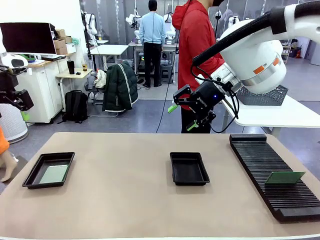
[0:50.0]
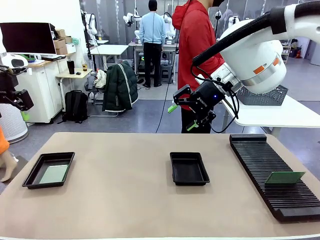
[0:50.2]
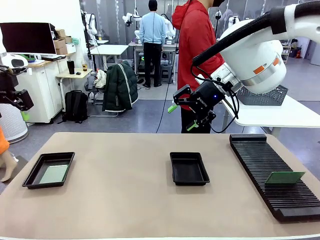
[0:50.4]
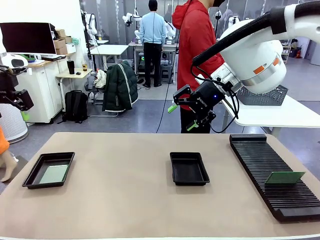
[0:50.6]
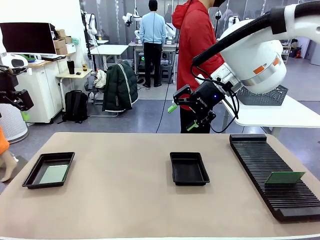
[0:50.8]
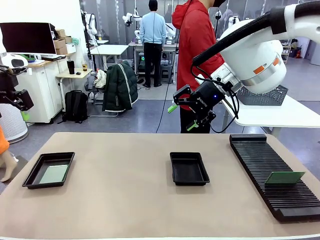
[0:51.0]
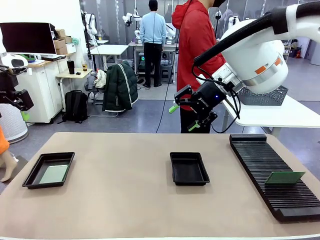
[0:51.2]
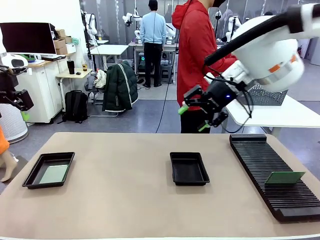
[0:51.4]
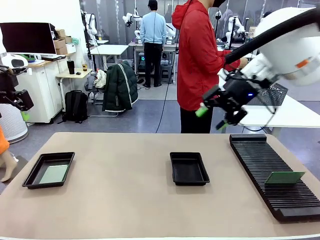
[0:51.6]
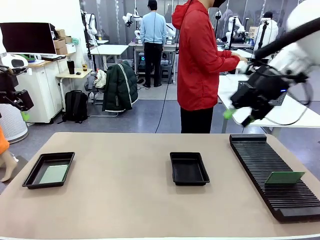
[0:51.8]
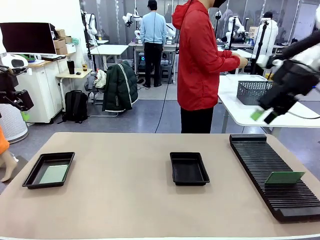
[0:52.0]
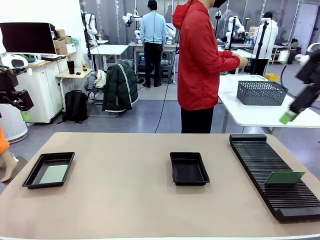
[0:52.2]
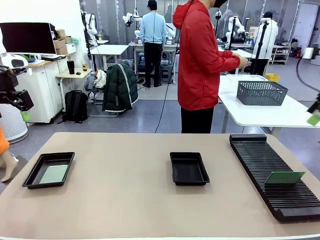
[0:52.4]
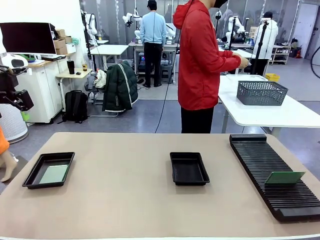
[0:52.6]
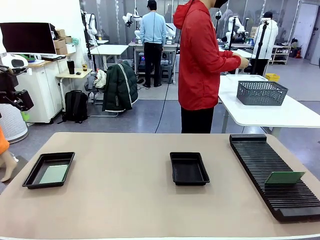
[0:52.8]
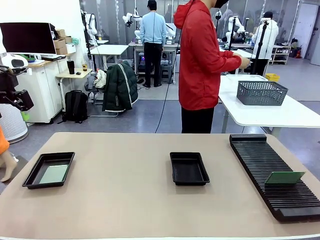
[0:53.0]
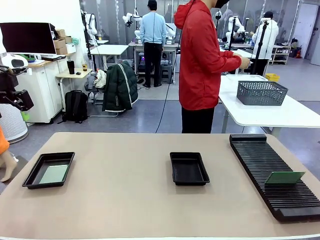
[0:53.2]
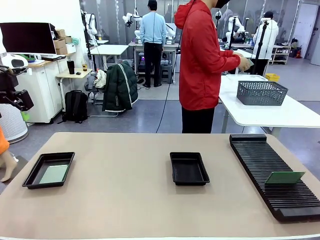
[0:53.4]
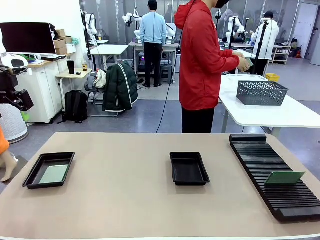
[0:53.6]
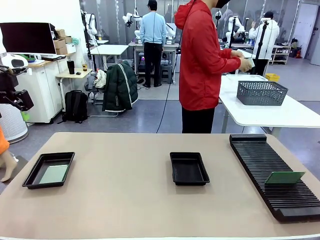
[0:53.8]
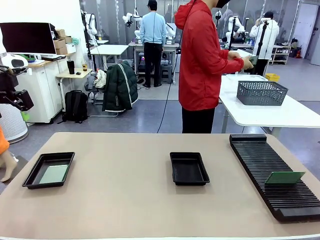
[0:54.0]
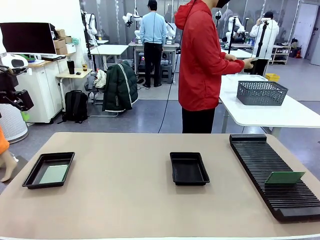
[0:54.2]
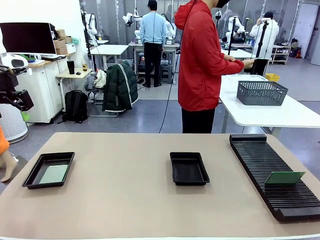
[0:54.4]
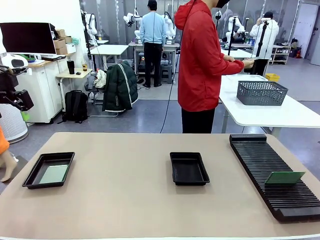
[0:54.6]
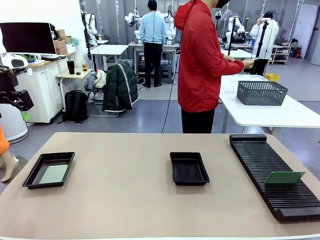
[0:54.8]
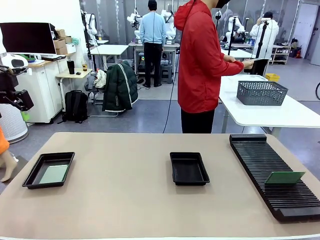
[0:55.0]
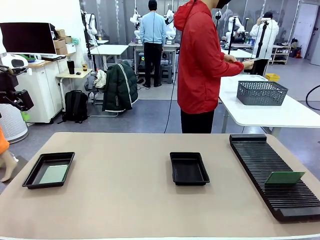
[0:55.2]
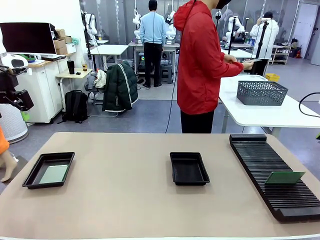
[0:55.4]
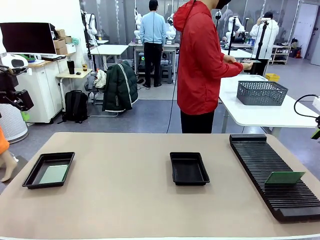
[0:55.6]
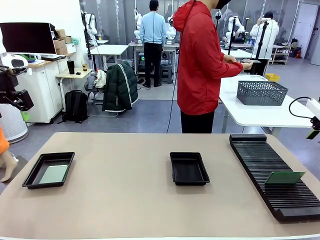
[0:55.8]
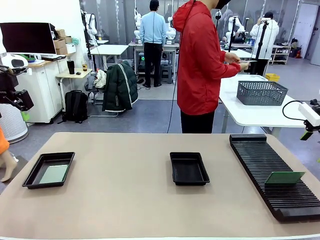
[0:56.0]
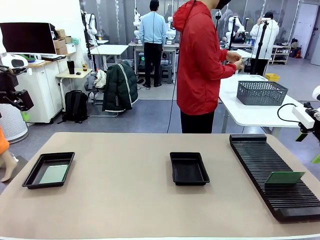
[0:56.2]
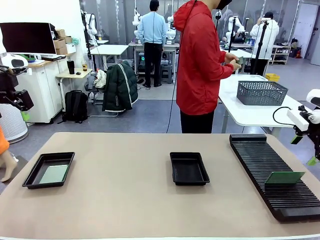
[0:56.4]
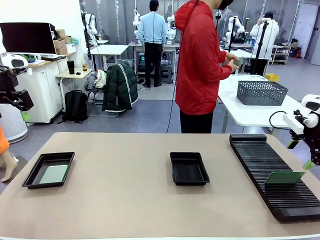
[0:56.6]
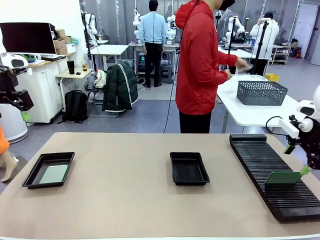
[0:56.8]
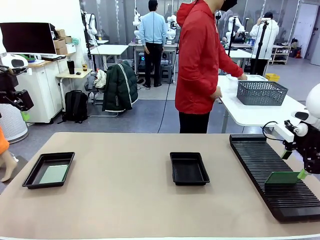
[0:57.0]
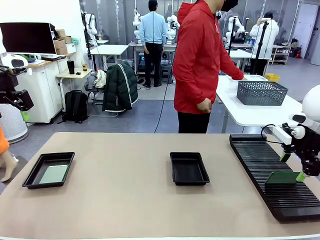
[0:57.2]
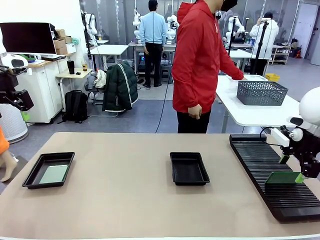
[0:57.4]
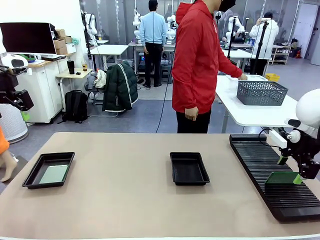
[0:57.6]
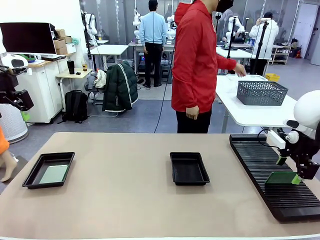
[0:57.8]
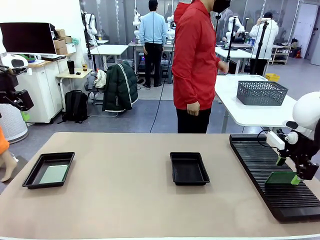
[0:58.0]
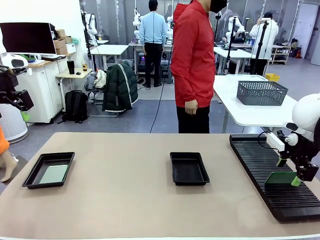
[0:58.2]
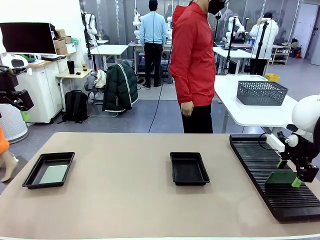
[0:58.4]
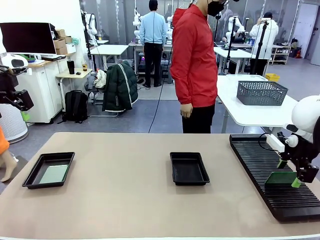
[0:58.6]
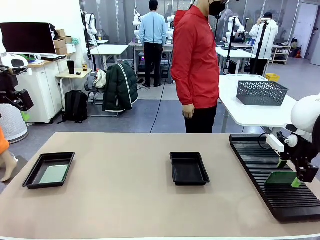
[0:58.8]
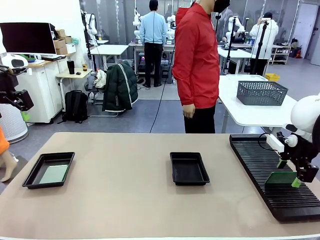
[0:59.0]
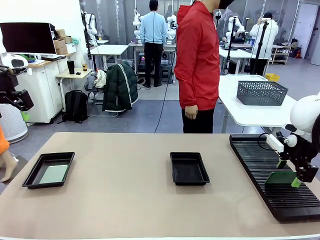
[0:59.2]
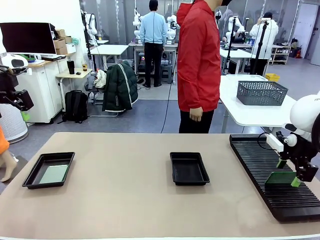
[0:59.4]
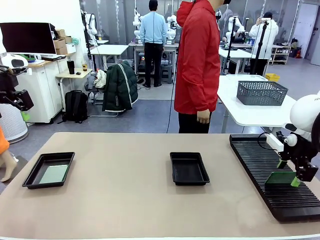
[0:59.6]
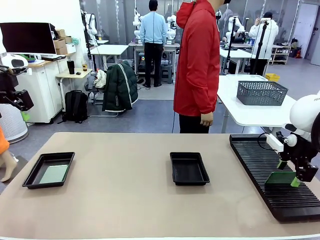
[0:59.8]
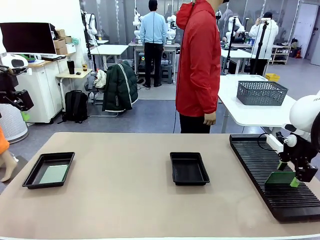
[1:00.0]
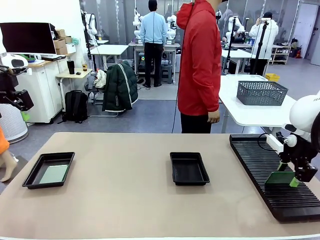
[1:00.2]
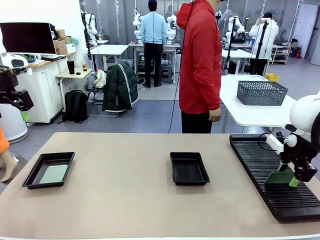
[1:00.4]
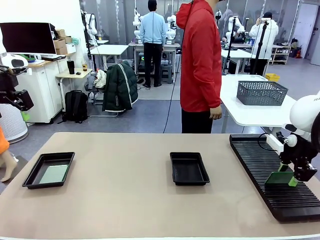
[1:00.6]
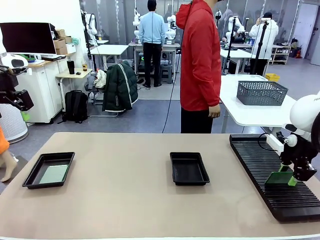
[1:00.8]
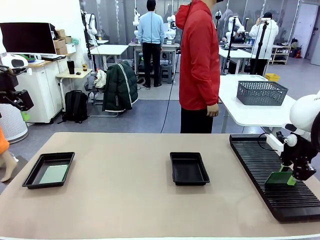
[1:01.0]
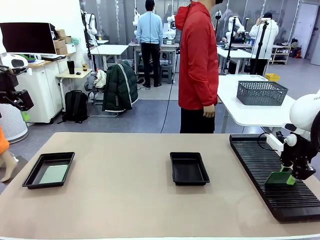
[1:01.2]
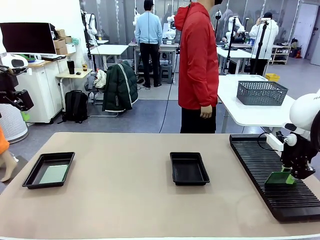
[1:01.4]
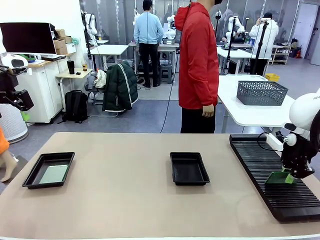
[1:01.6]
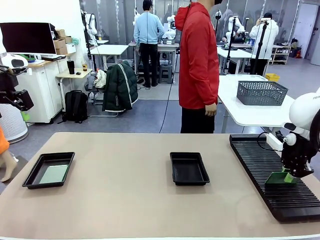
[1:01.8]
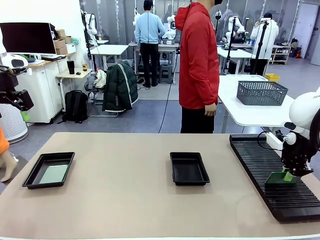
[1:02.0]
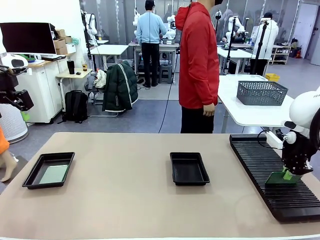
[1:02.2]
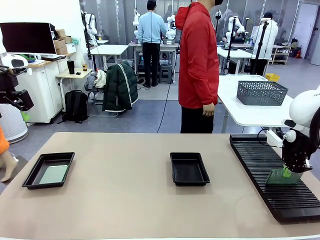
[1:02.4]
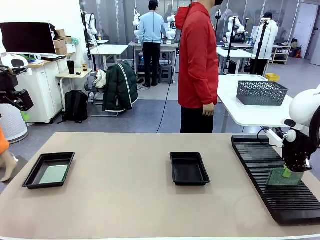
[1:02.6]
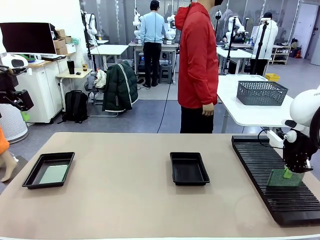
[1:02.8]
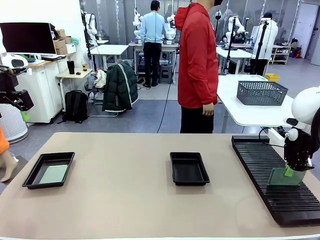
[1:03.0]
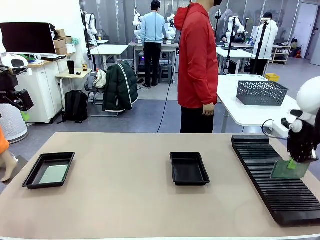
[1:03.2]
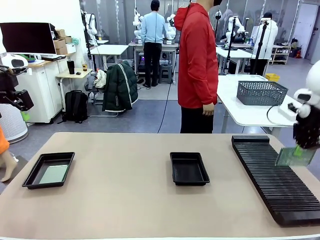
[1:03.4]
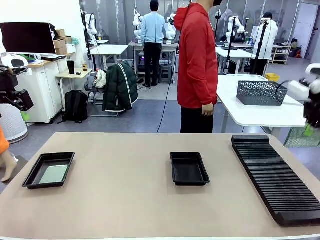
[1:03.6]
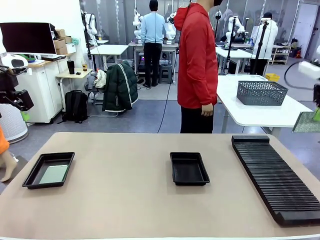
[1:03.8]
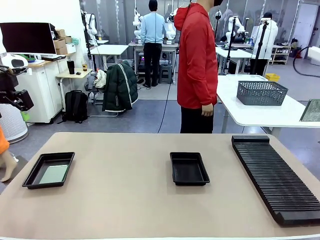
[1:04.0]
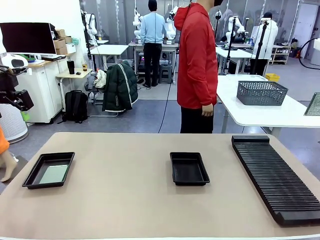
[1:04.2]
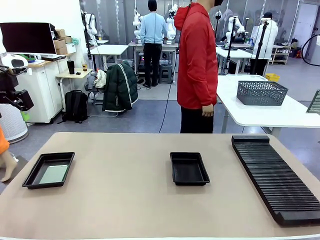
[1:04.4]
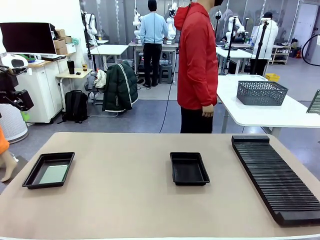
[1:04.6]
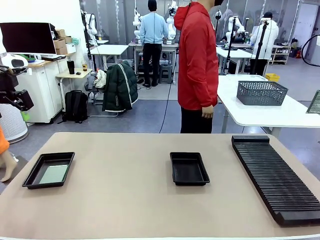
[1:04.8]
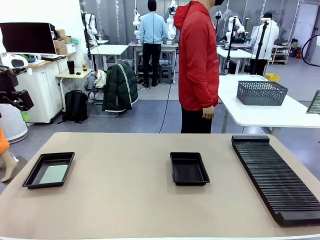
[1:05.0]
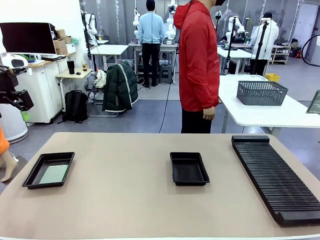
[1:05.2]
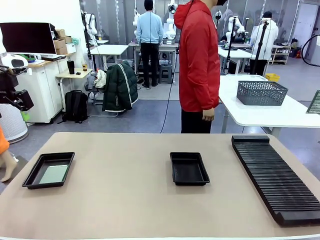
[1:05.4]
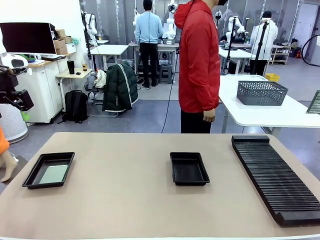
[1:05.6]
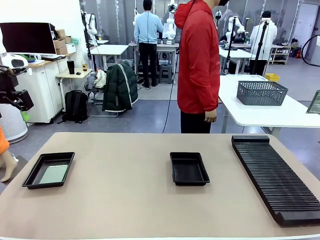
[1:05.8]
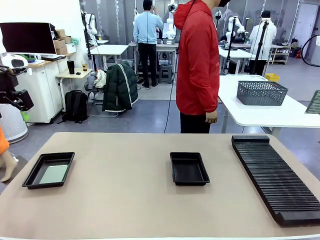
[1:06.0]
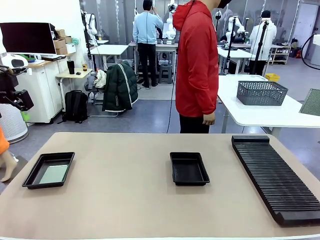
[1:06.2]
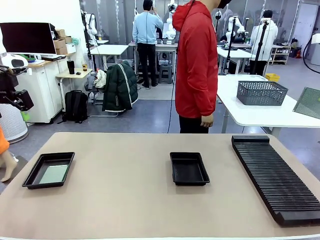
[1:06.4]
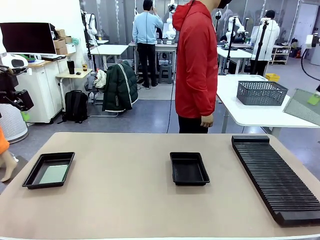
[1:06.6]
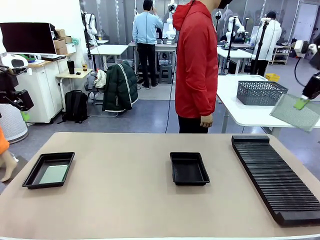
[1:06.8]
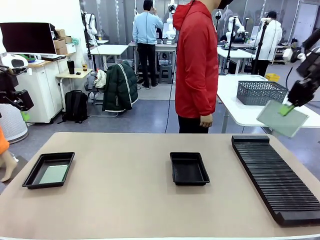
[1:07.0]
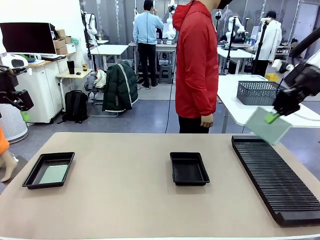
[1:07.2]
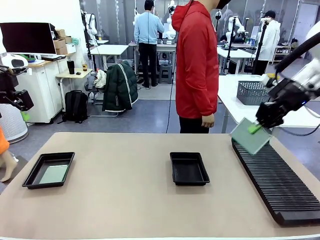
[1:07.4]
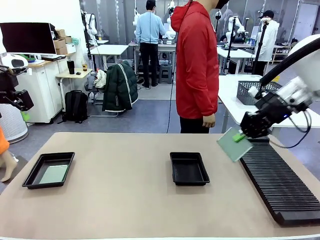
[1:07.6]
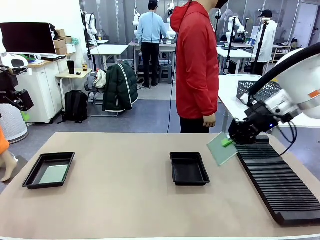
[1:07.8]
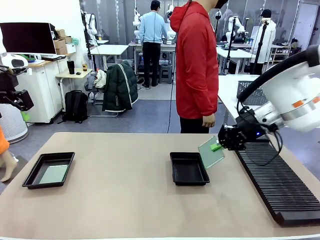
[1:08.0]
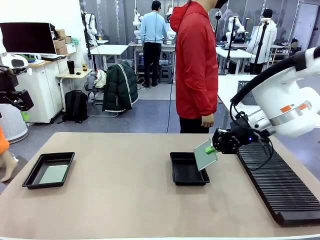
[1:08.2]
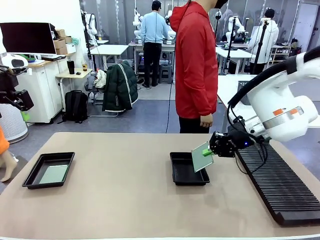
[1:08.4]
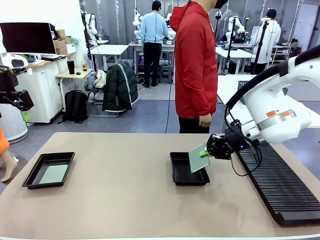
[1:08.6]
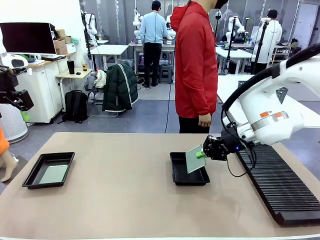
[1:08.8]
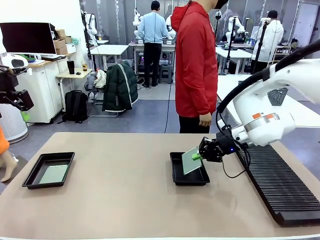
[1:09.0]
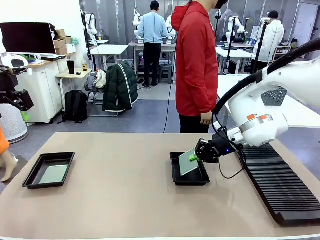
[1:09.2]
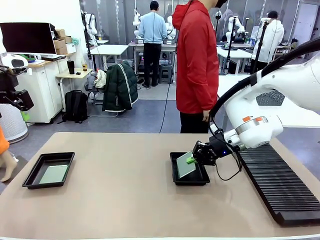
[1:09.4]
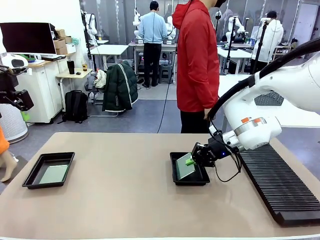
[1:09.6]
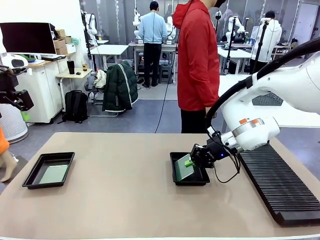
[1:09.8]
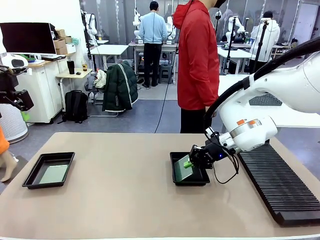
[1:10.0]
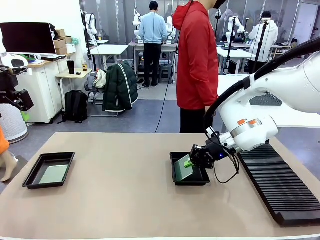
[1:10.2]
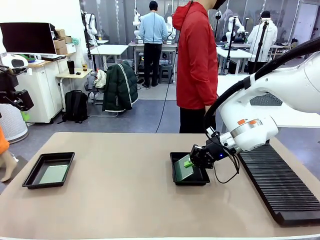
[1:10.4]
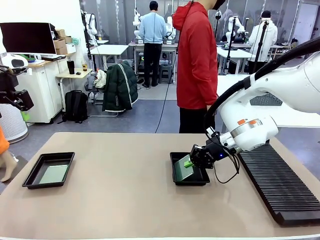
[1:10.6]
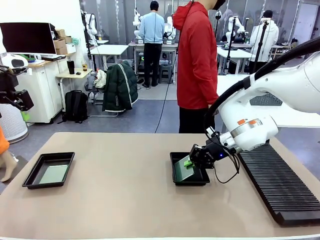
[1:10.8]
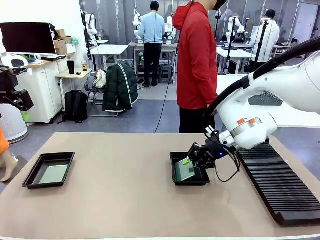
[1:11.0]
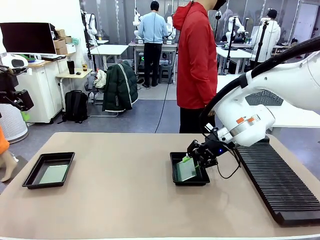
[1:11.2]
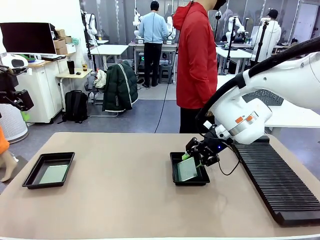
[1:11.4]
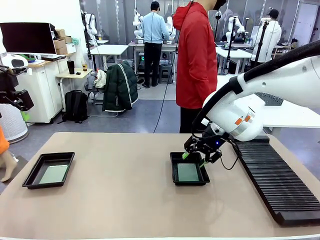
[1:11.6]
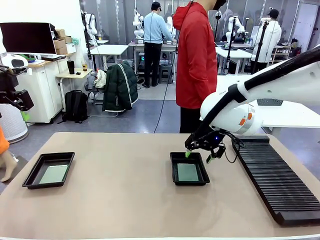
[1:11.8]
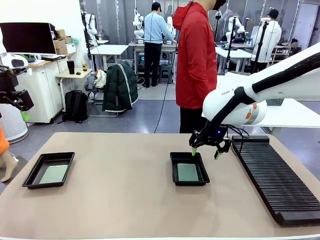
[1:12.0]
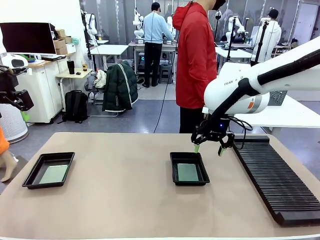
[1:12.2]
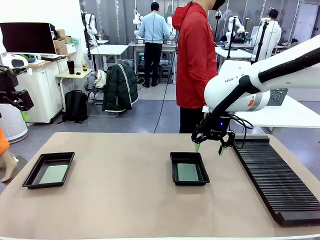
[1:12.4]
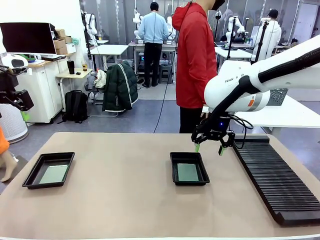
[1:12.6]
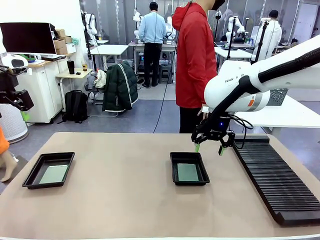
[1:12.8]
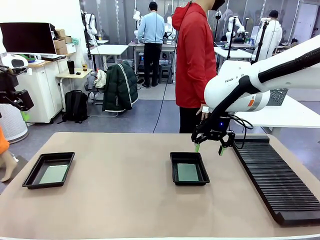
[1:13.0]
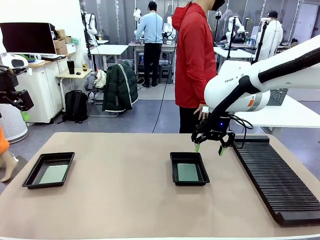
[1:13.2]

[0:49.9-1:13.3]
Task: Inspect and transfer BCBs to ESD trays.
Robot: Pick up the Blank PCB from the PCB Rack and place it in the right ESD tray.
